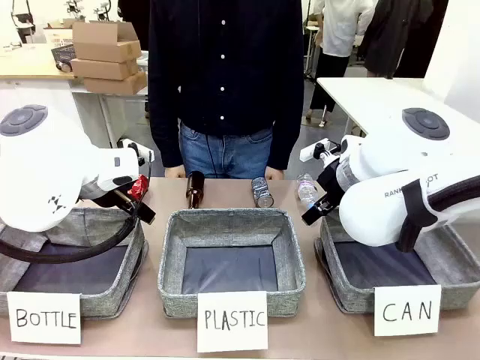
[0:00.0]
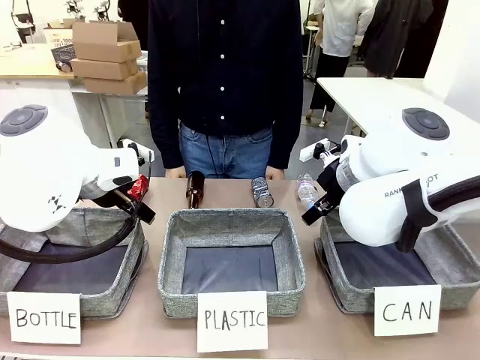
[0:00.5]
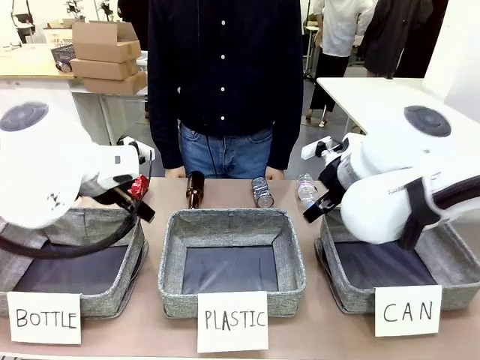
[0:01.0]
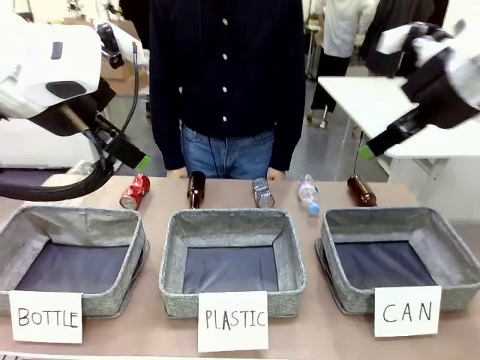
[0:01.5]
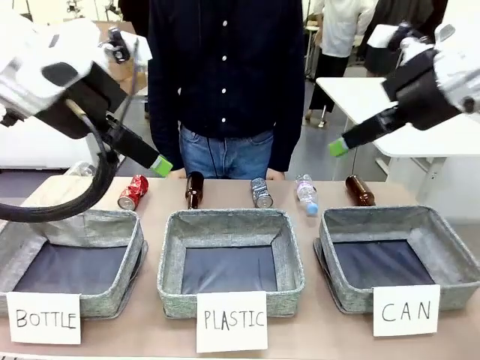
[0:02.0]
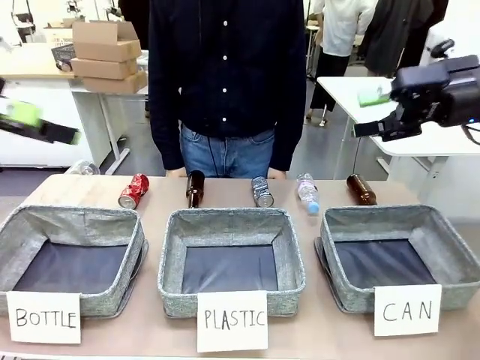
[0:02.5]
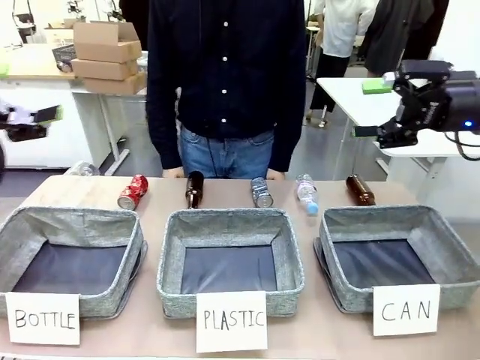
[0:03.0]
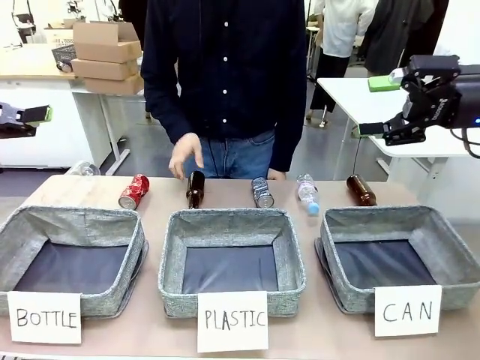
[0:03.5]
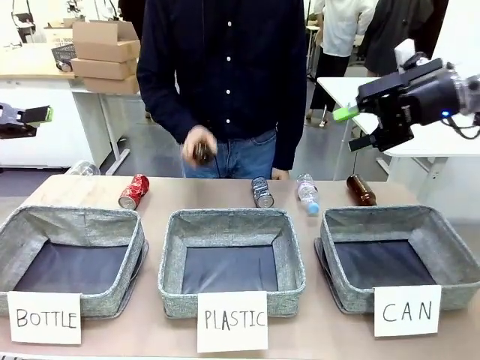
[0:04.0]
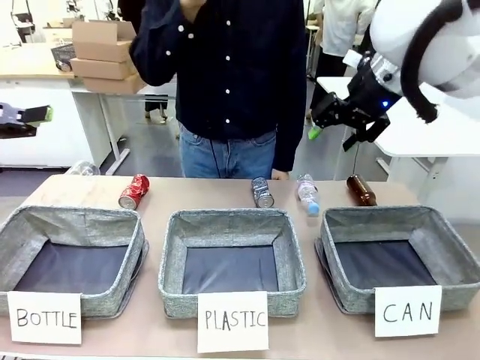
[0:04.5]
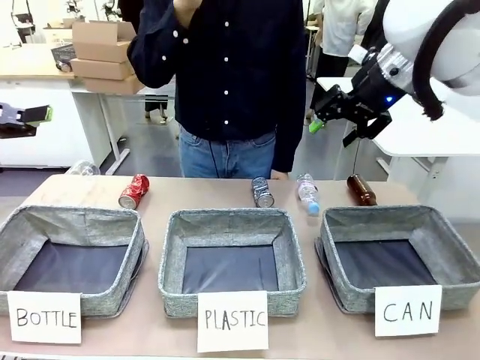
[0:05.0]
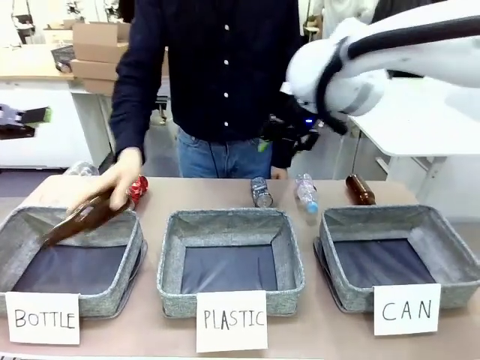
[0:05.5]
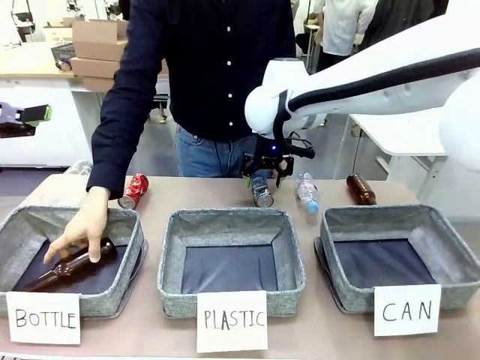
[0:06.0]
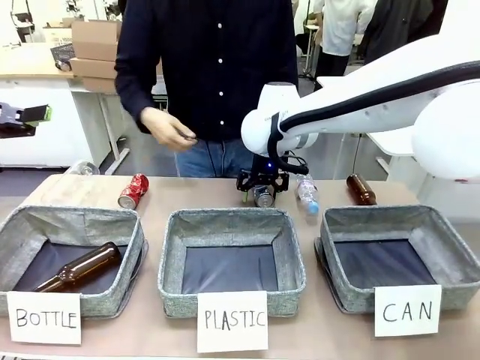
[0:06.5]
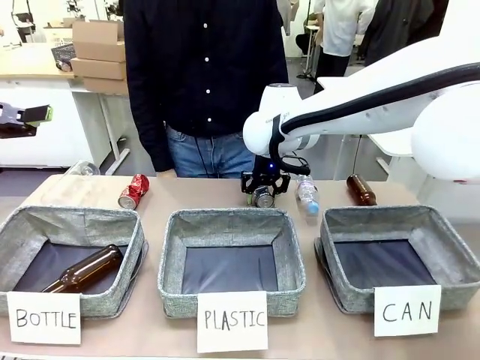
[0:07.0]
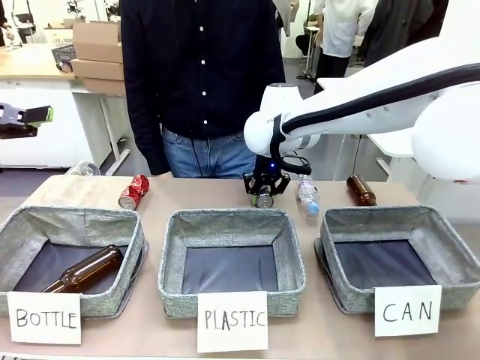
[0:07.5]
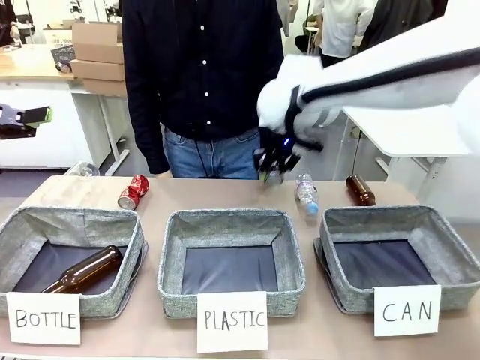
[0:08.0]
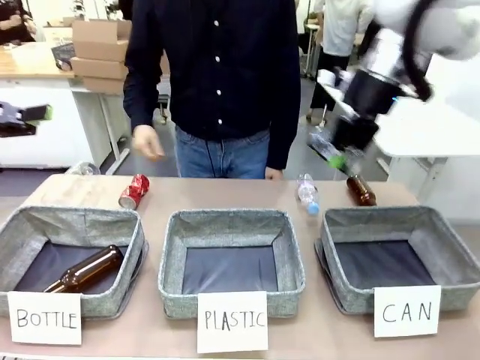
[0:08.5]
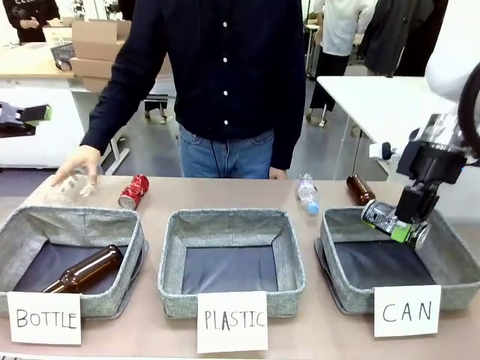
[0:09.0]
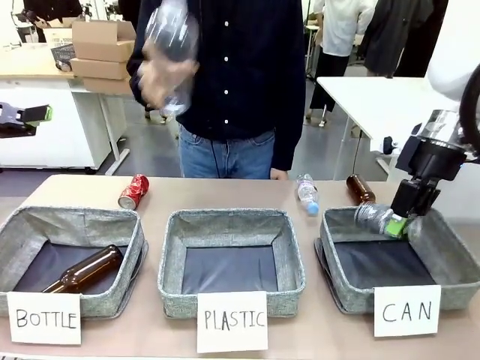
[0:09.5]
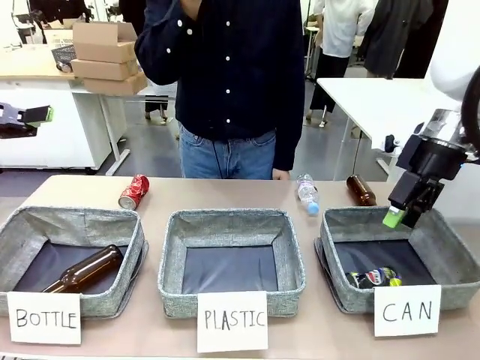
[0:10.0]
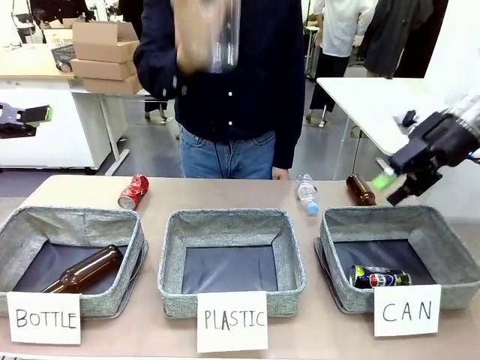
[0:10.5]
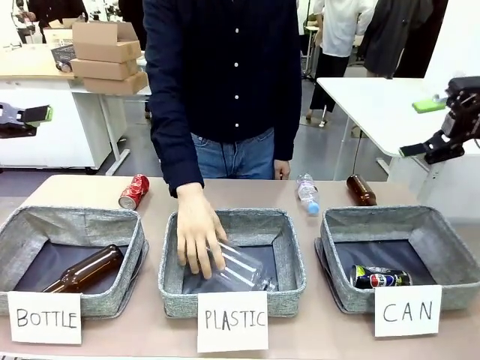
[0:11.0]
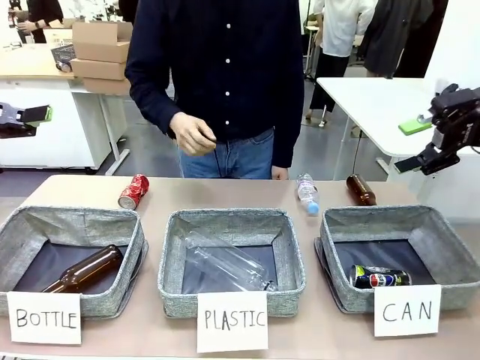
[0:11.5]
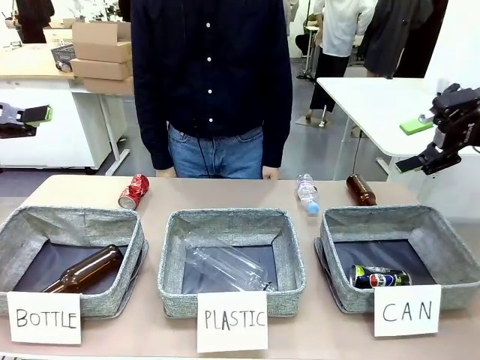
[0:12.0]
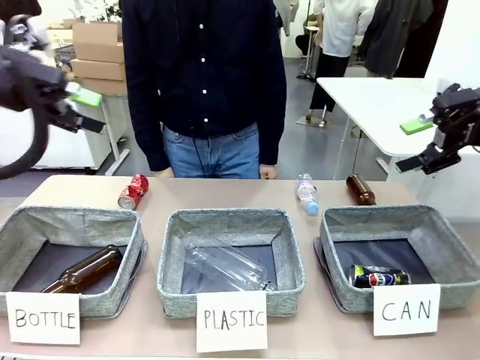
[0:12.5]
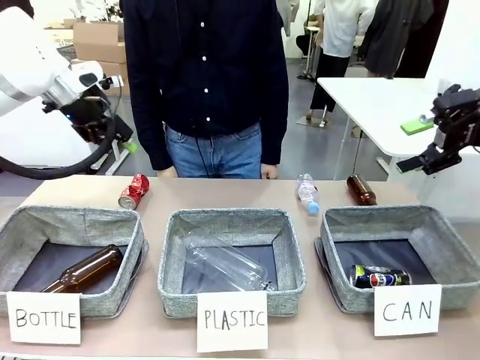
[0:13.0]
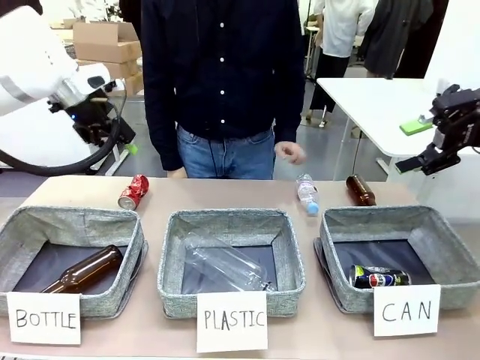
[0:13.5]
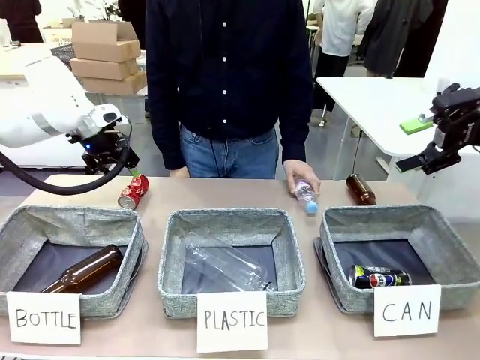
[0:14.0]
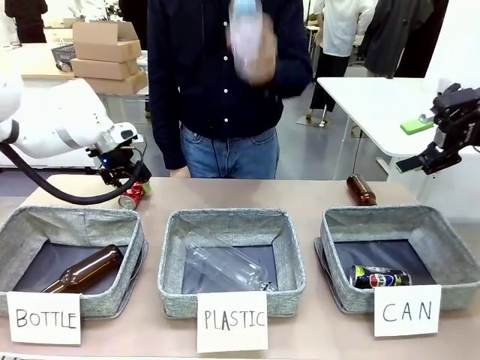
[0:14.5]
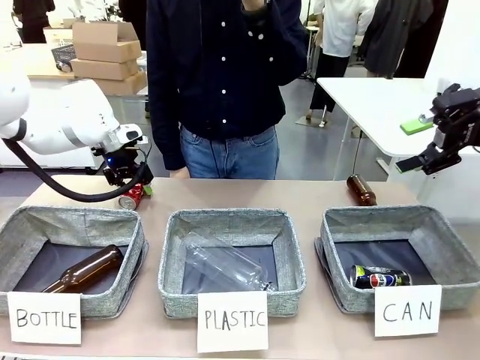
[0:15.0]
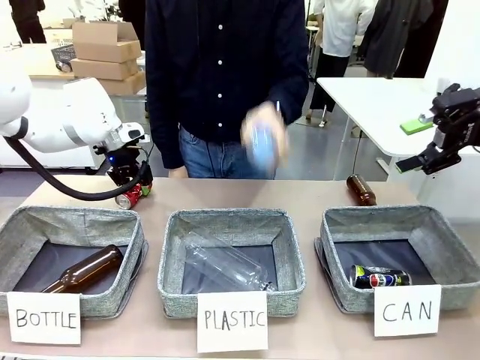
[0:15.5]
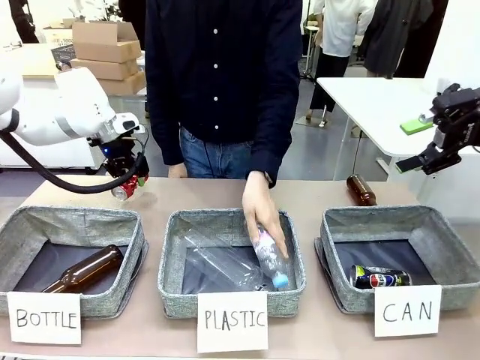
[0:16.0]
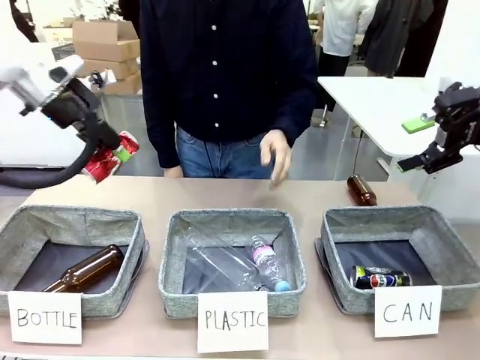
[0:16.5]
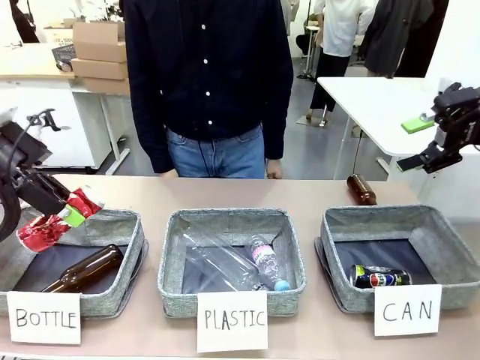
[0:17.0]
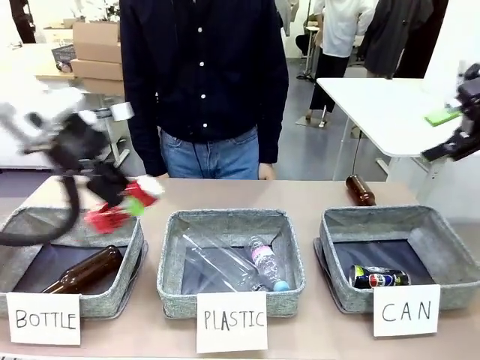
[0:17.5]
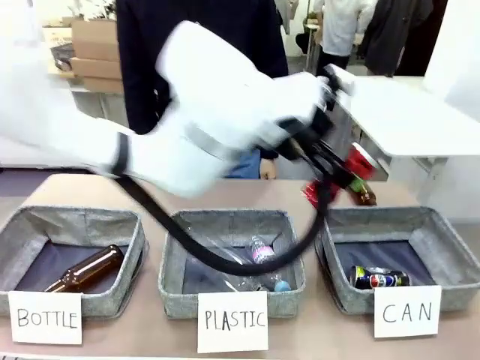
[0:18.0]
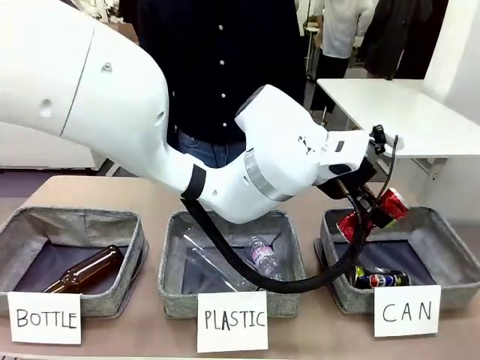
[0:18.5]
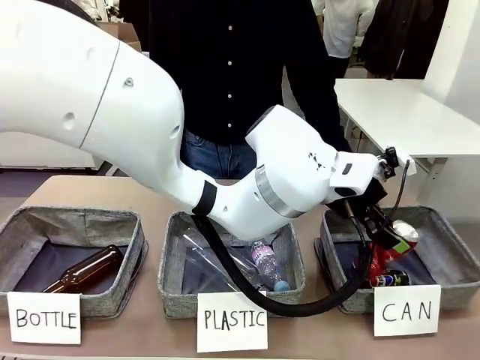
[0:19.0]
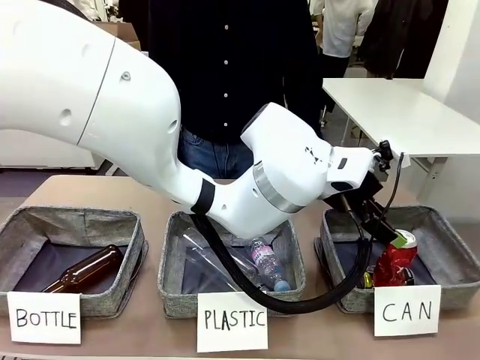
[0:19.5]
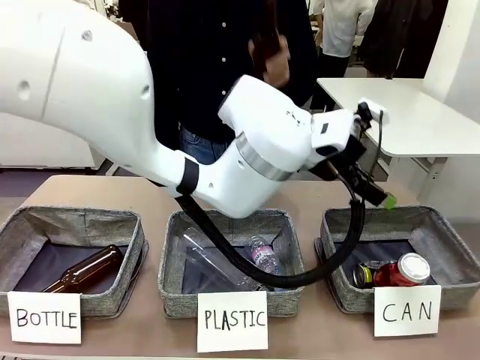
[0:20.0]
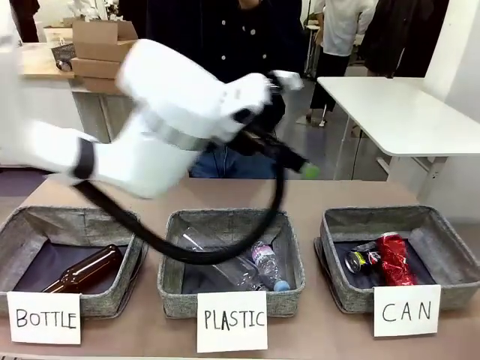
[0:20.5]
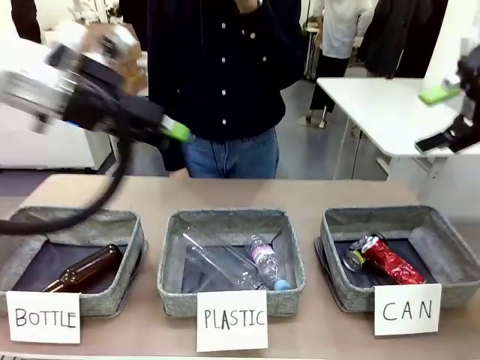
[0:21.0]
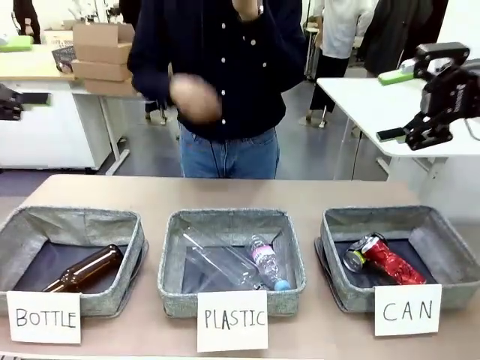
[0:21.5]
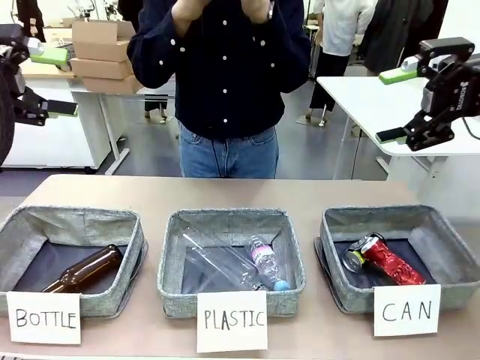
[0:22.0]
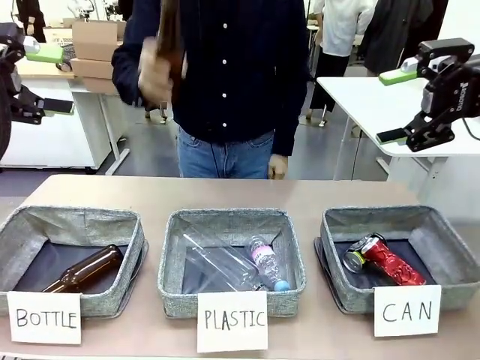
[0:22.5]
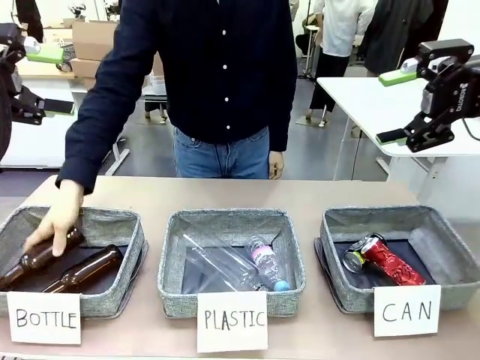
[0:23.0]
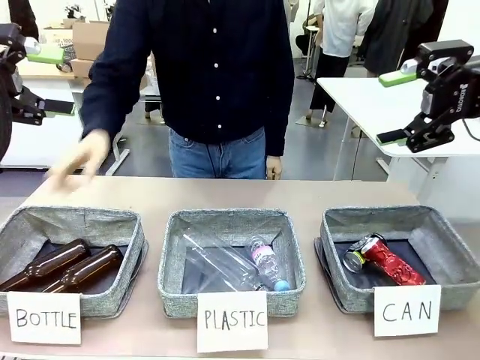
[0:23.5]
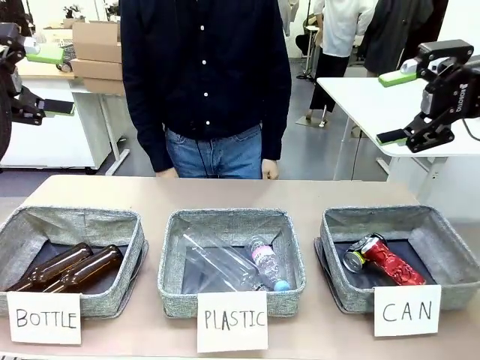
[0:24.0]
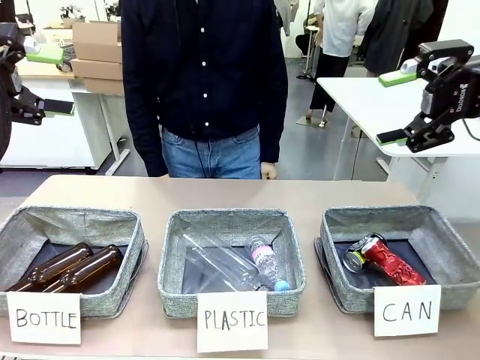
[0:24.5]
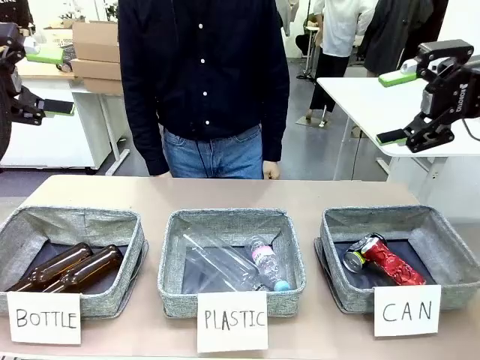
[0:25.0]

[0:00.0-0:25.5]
Task: Sort the can waste into the basket.
Robot: Pick up the can waste from the table and place it in the right Fabric basket.
Person: The human picks up one piece of trash that is not a can and places the trash into the appropriate organizing basket.
